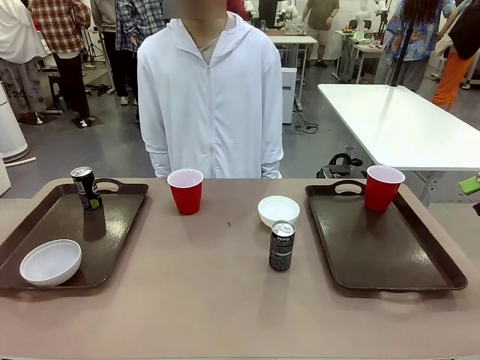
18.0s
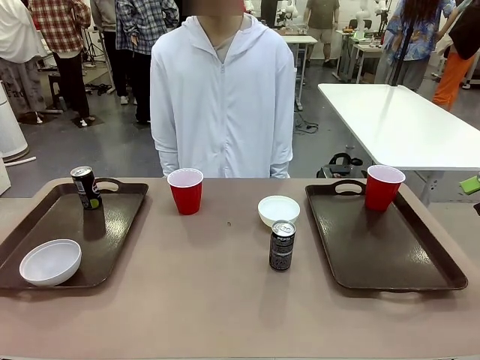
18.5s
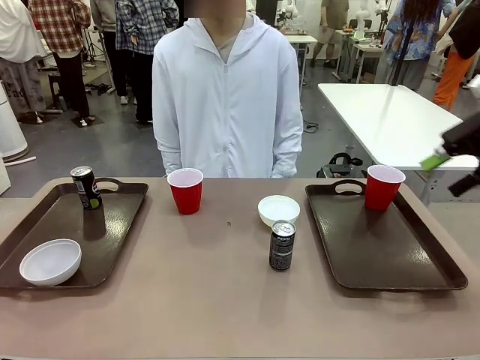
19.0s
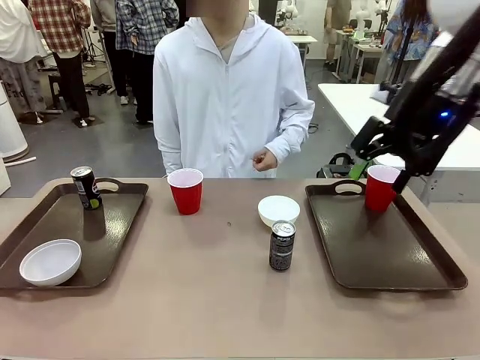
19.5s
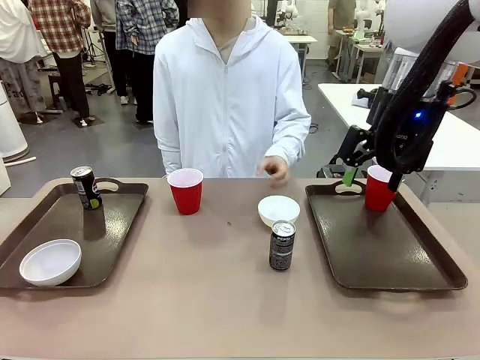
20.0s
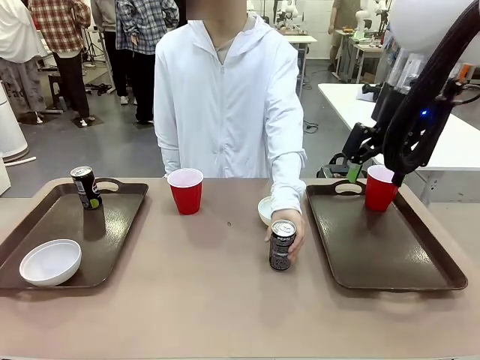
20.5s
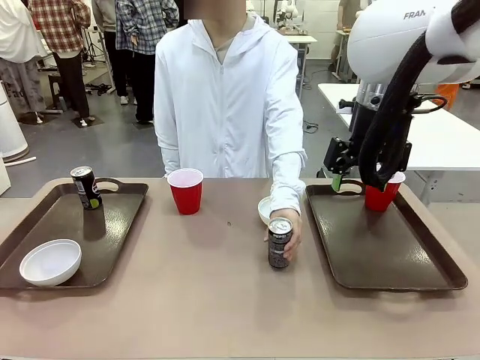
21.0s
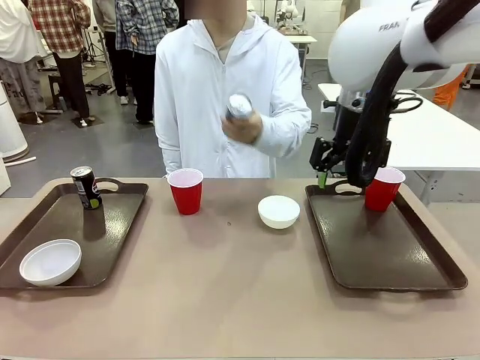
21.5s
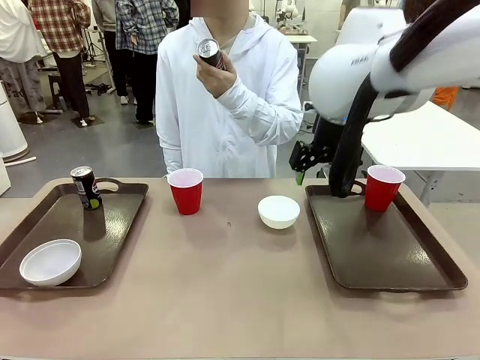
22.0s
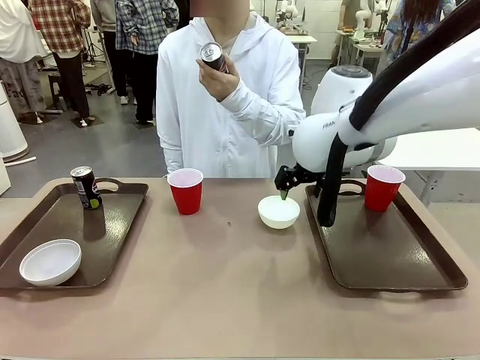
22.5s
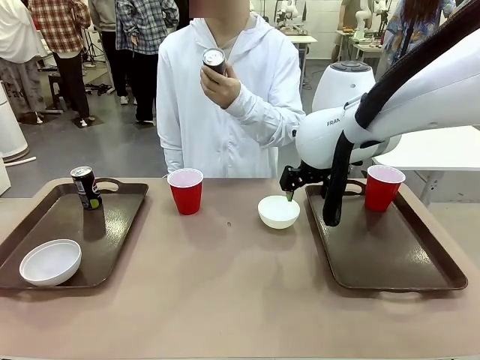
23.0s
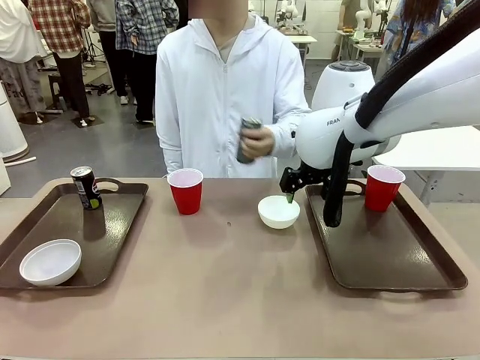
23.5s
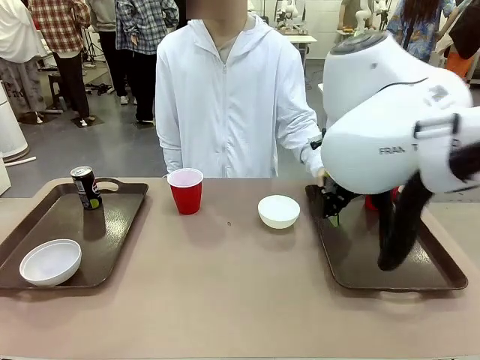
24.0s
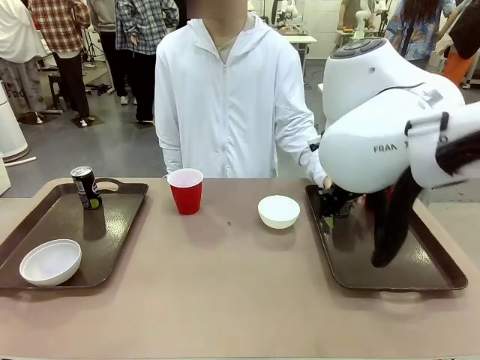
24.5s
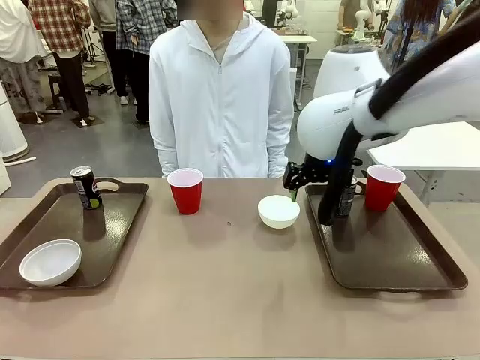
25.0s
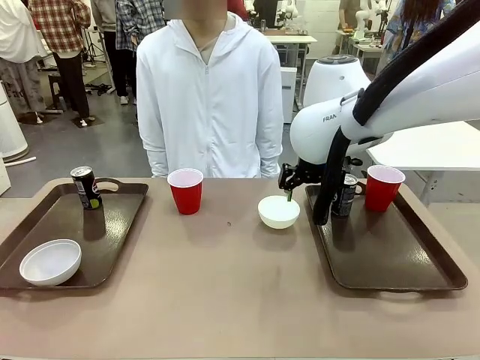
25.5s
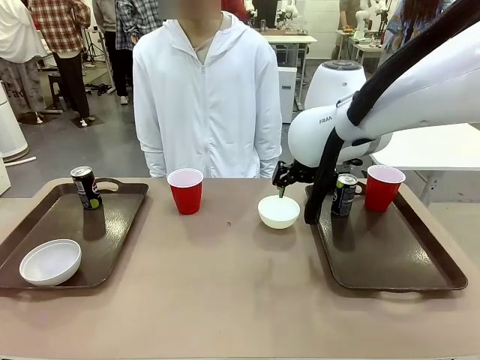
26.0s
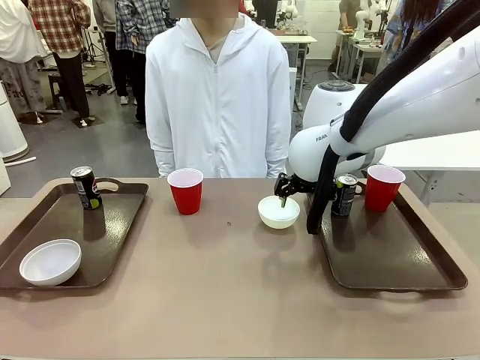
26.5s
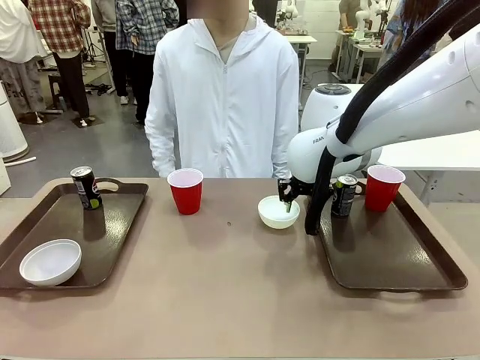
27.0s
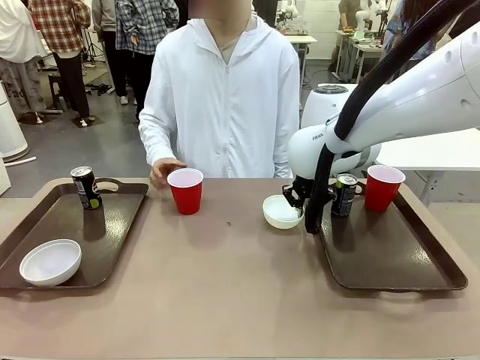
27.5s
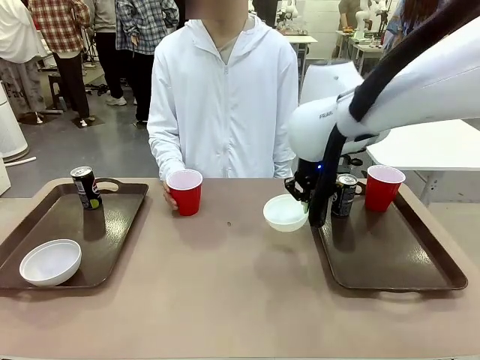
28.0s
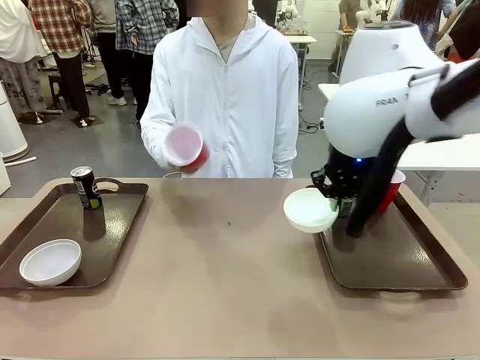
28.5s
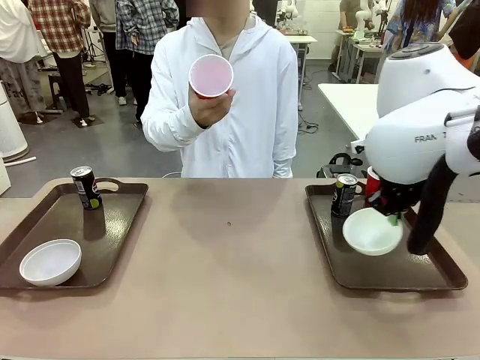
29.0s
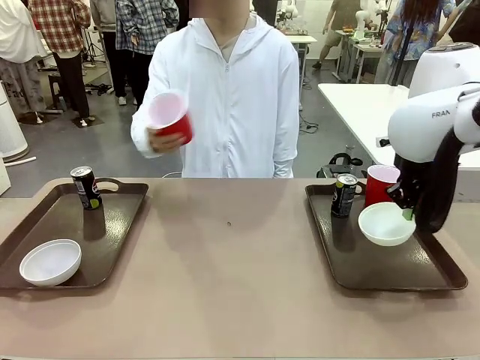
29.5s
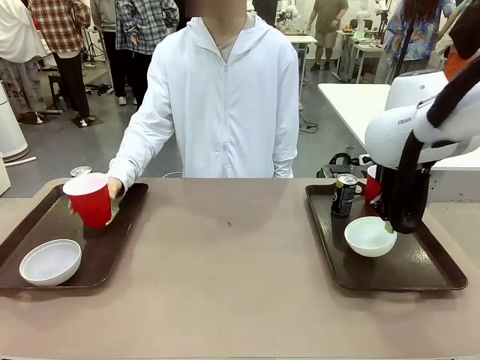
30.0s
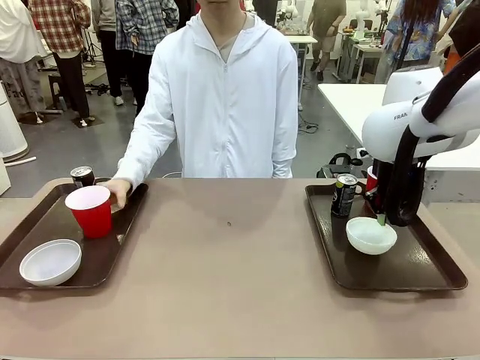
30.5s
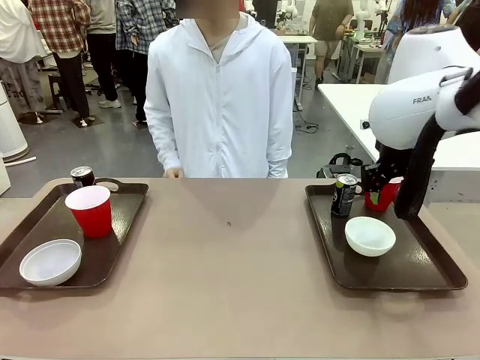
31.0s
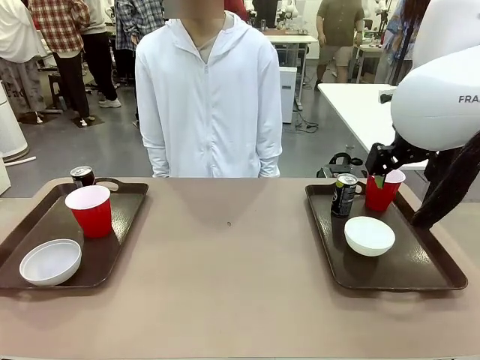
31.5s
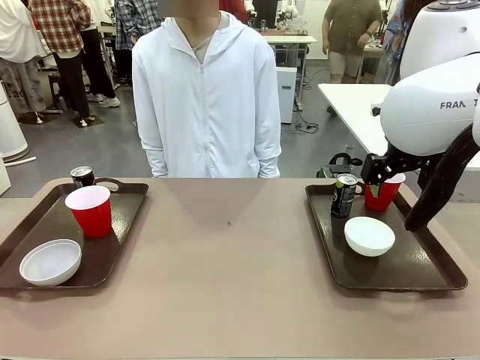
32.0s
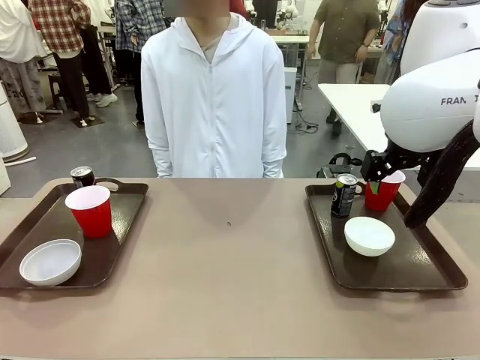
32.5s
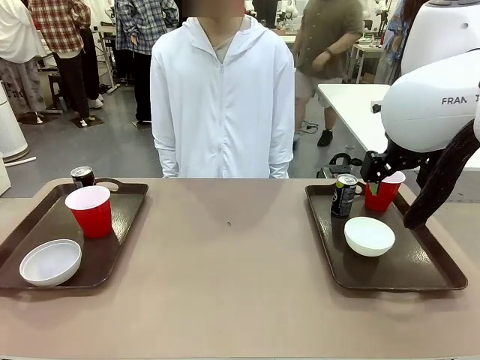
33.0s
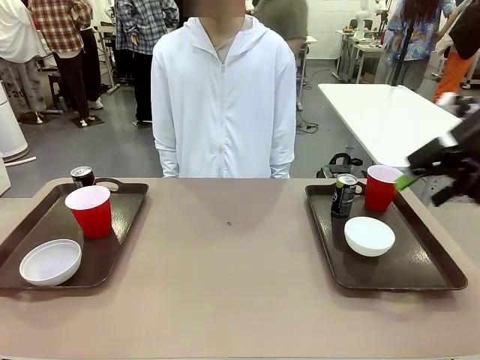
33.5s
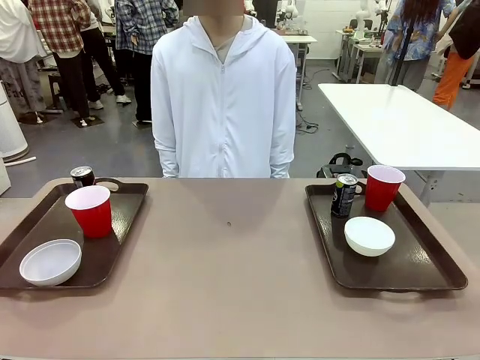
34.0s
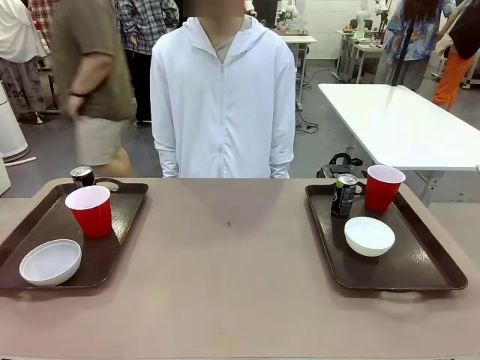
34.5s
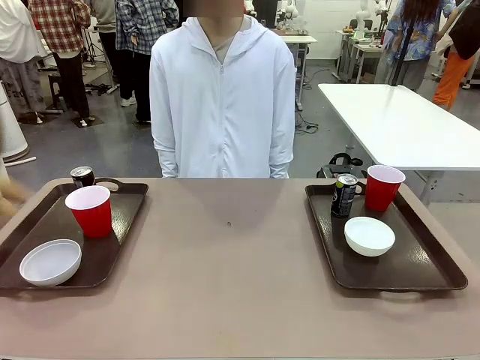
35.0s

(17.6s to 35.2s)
Task: Prepare tableware on both trays.
Robot: Pick up a Picnic Bowl from the table and place it on a Handle tray.
Person: Pick up a can or cup and place it on the tray without a can or cup.
